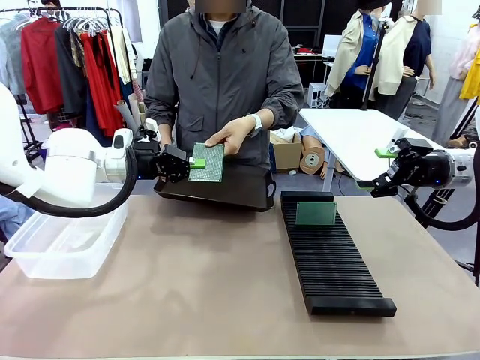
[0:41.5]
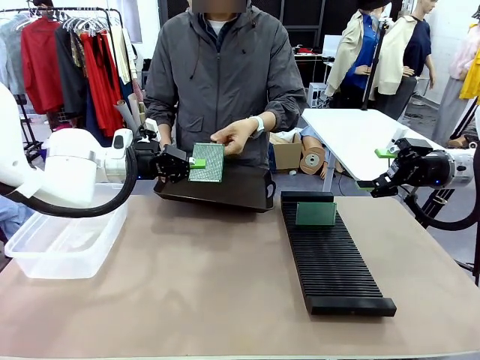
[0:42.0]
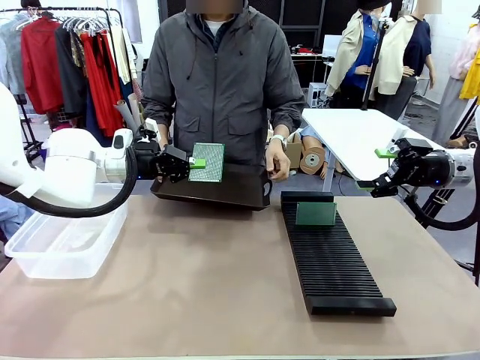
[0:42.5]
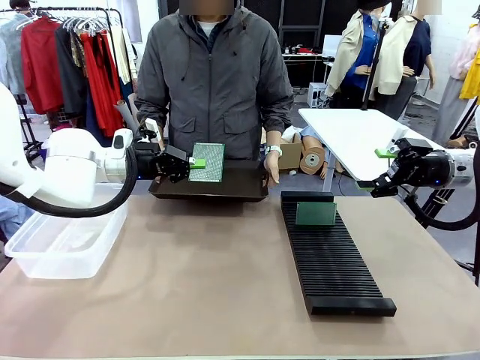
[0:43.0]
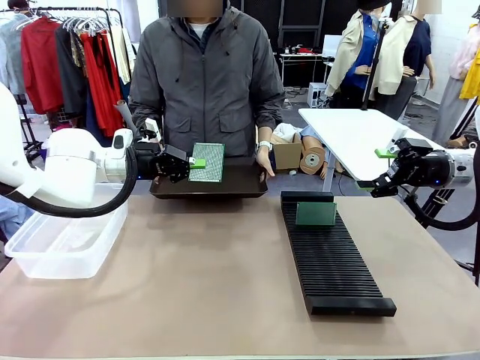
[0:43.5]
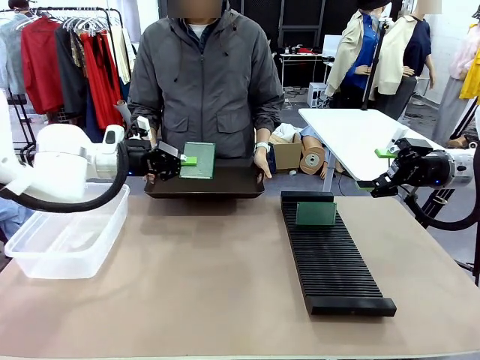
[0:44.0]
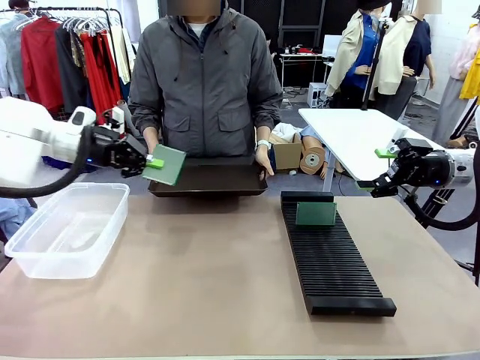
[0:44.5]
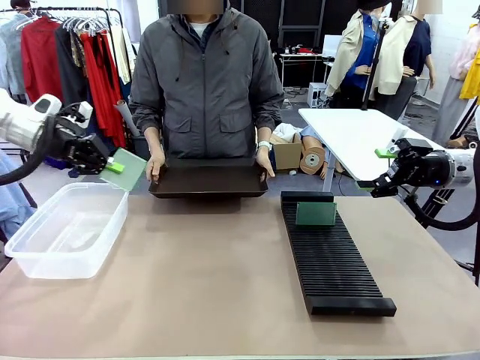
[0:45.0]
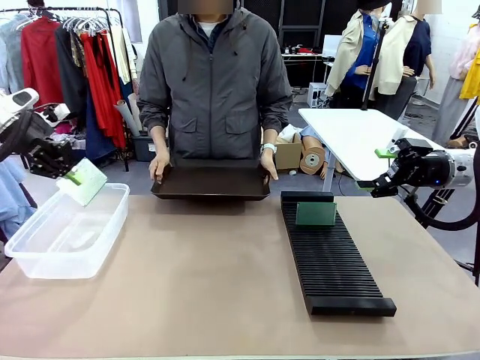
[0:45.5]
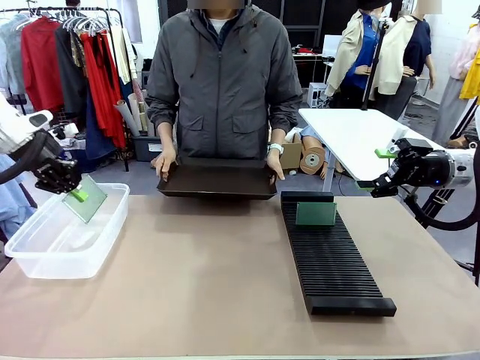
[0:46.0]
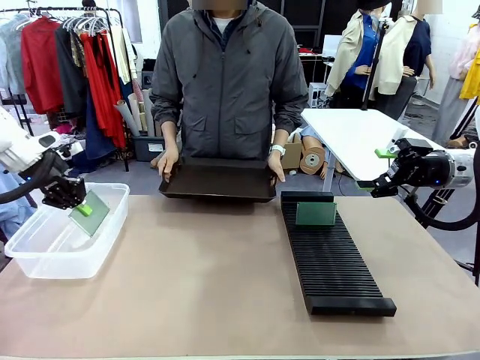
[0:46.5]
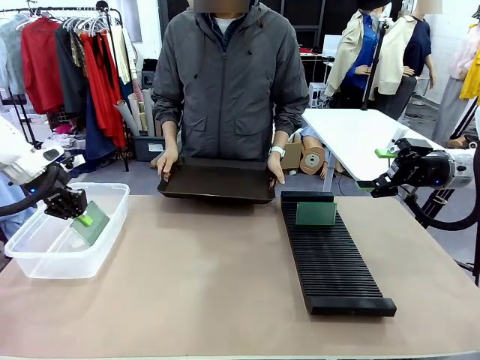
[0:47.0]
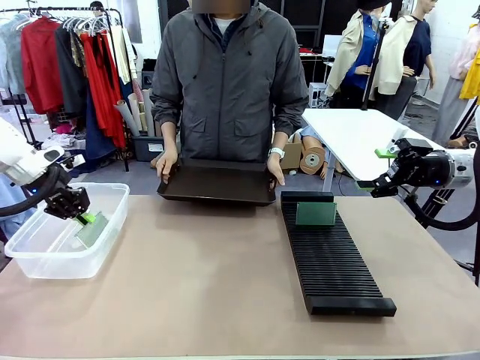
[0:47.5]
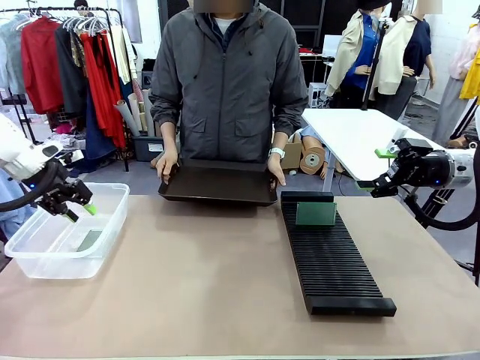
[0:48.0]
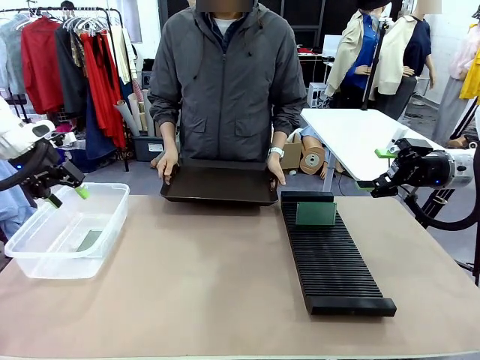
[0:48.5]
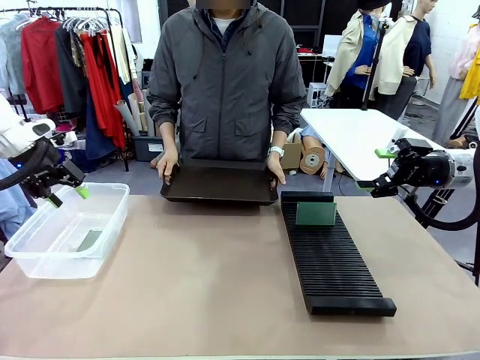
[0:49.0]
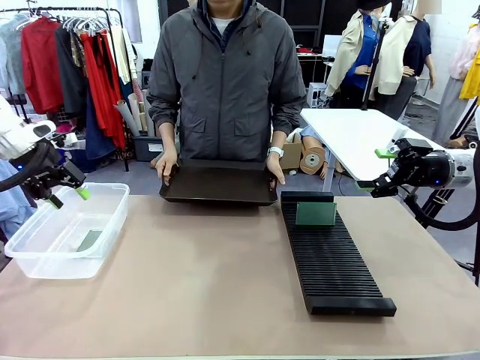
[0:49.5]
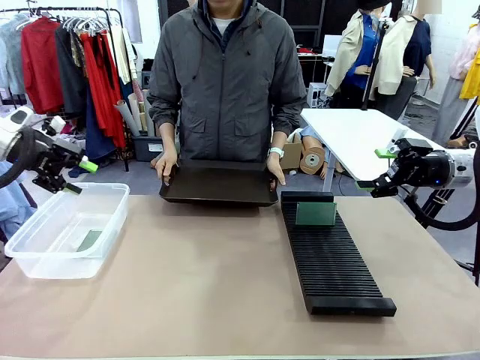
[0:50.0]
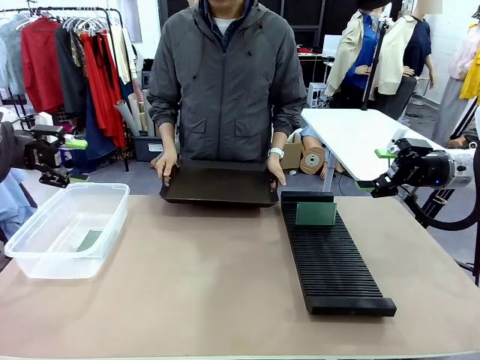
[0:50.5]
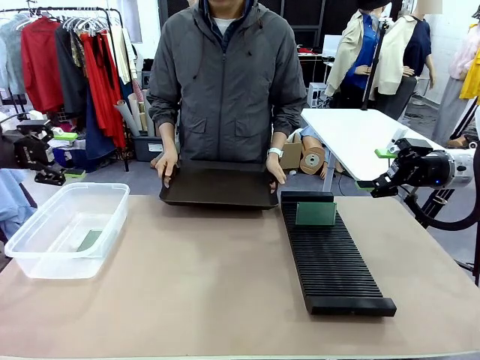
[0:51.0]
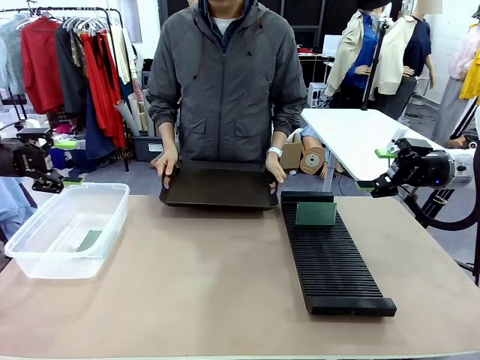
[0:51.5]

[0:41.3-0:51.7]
Task: Sort PCBs into racks and boxes based on the side picked up.
Robot: If the short side of the Blank PCB is picked up, insert it into the PCB Rack ; if the long side is picked up, place it in the Organizing box.
Person: Release the PCB being held.

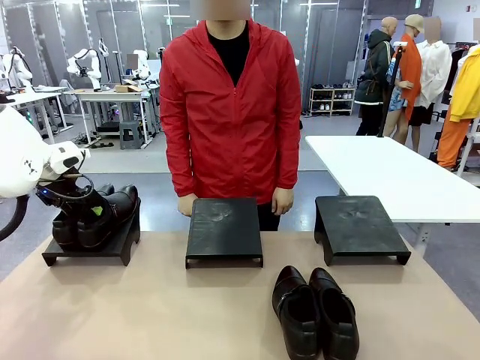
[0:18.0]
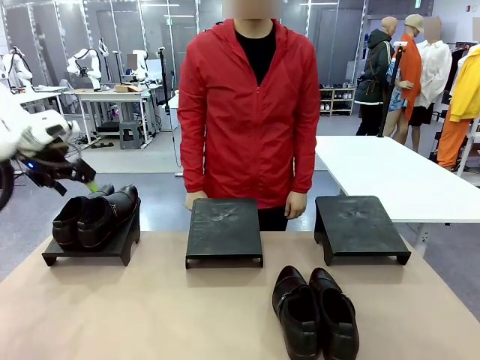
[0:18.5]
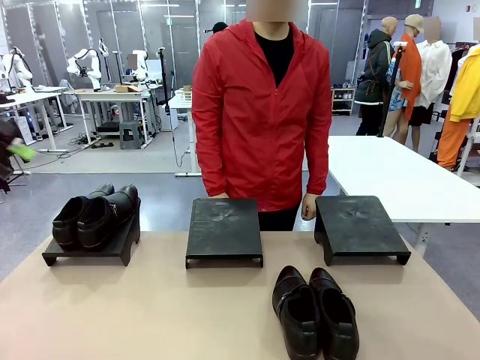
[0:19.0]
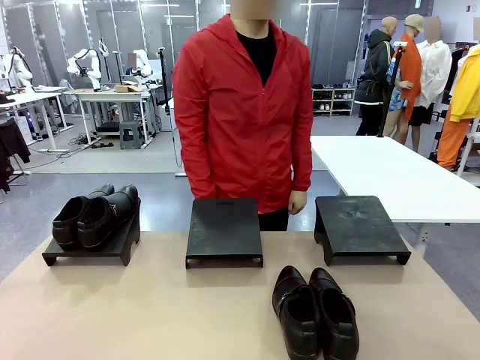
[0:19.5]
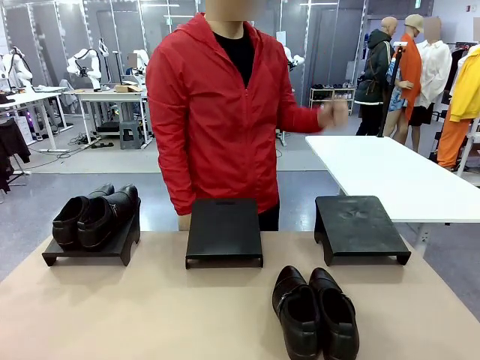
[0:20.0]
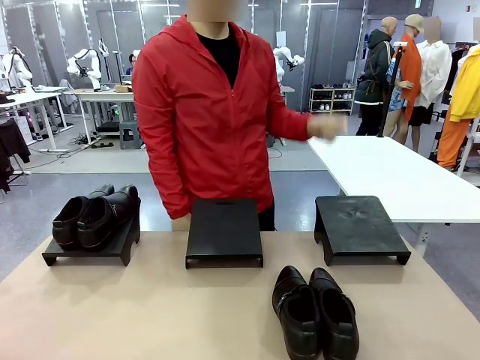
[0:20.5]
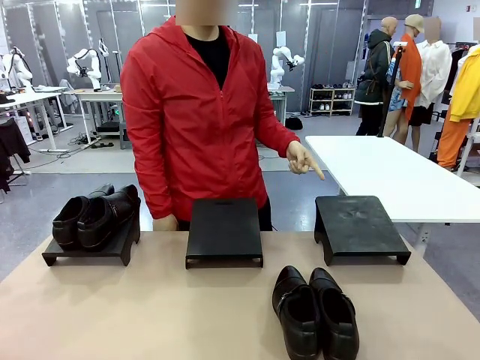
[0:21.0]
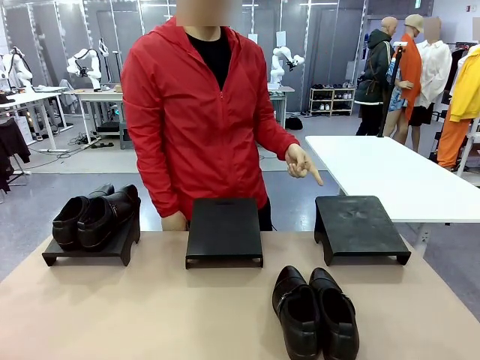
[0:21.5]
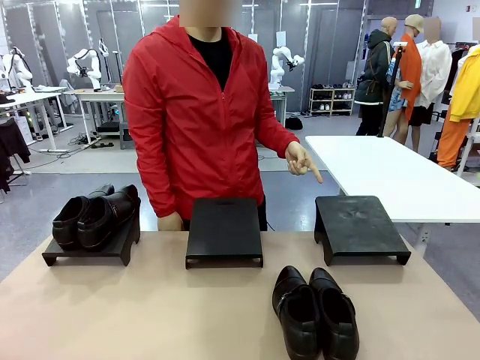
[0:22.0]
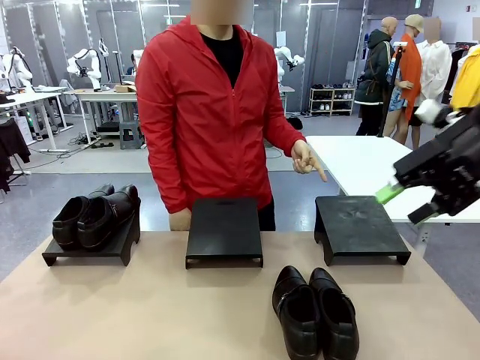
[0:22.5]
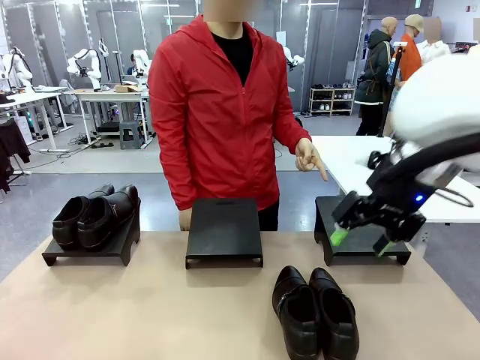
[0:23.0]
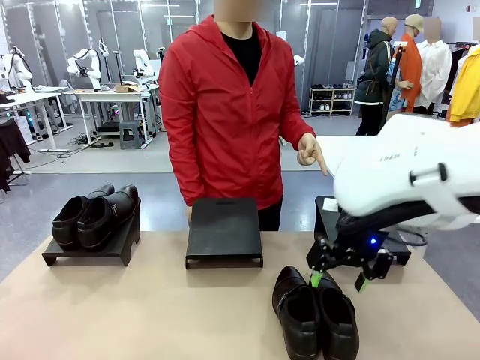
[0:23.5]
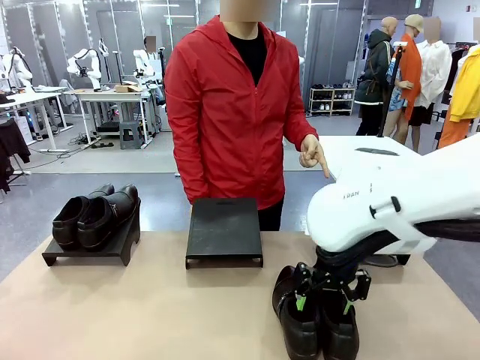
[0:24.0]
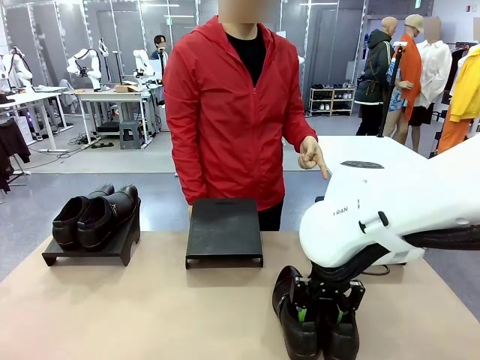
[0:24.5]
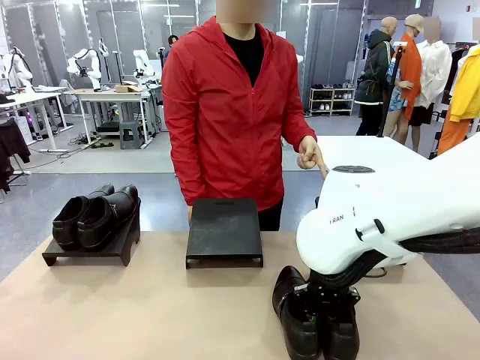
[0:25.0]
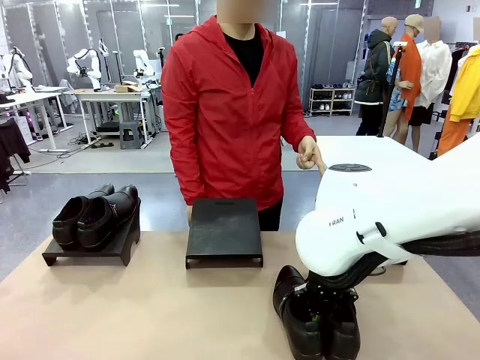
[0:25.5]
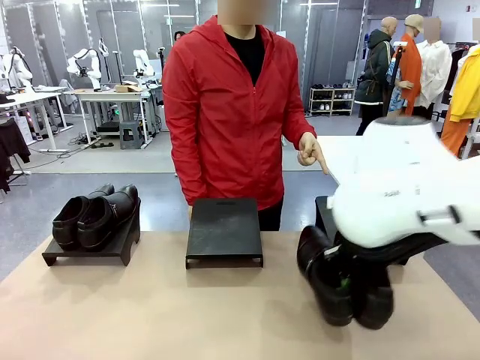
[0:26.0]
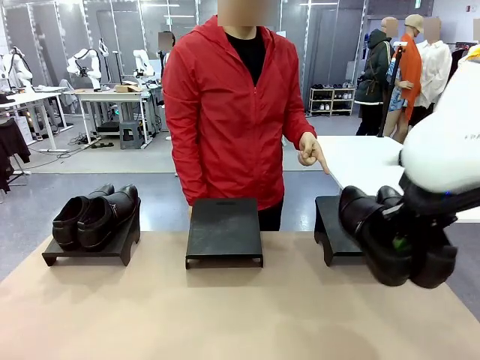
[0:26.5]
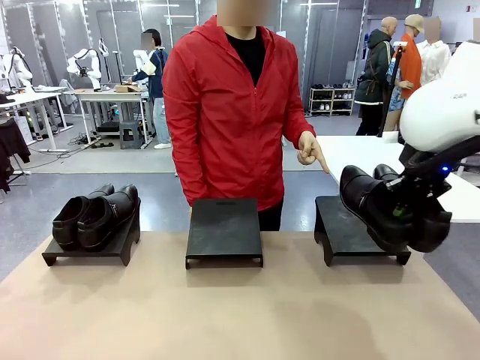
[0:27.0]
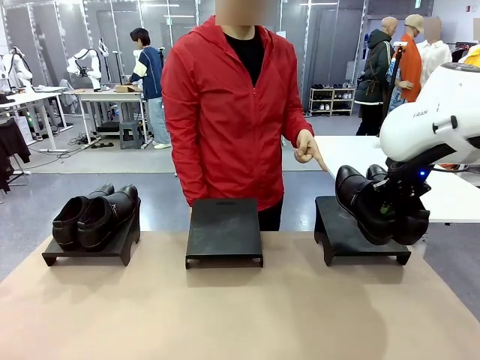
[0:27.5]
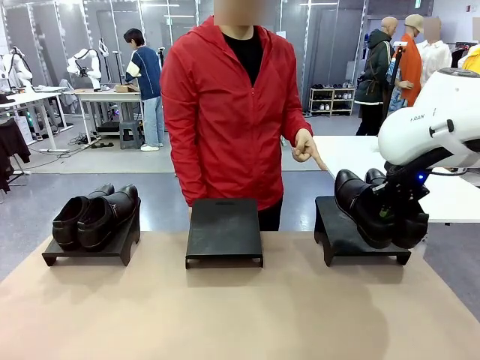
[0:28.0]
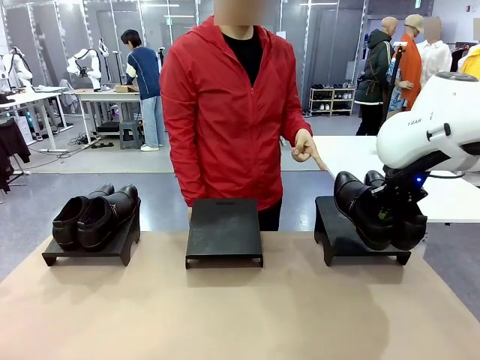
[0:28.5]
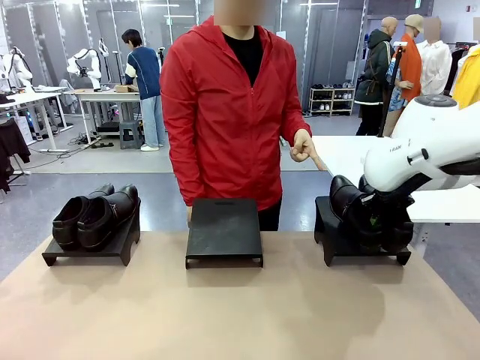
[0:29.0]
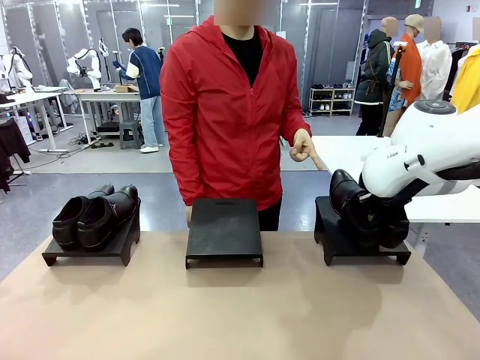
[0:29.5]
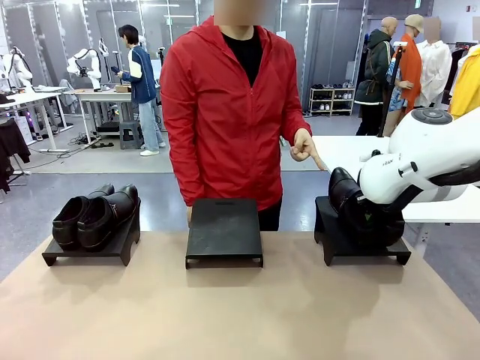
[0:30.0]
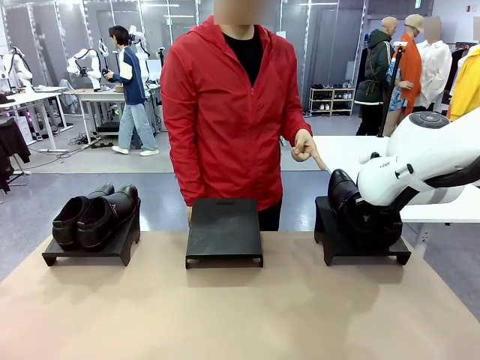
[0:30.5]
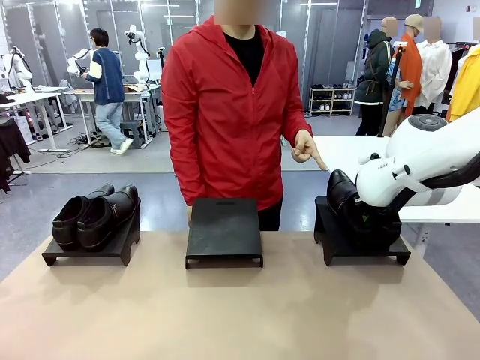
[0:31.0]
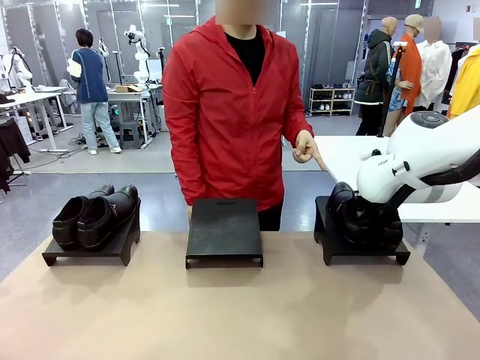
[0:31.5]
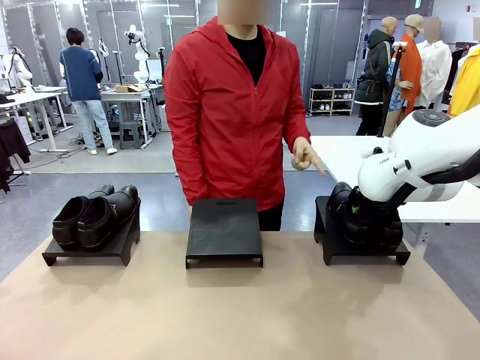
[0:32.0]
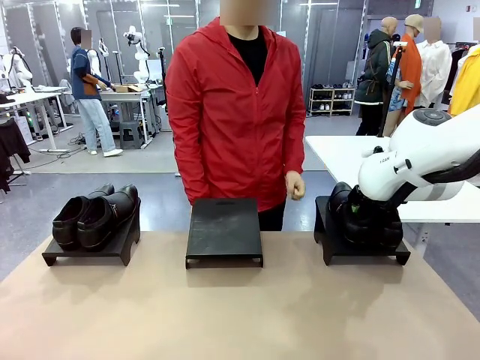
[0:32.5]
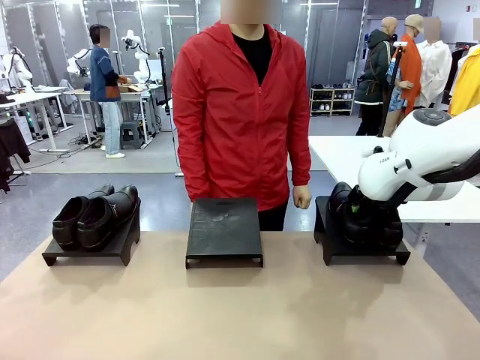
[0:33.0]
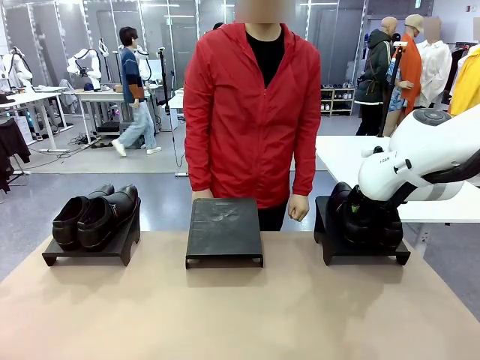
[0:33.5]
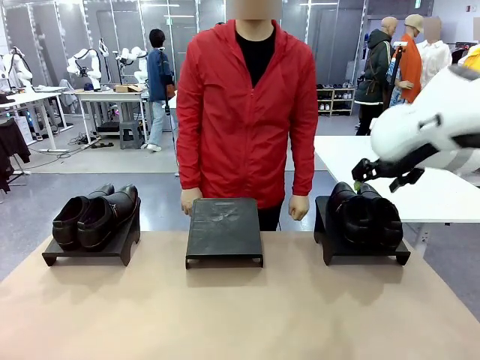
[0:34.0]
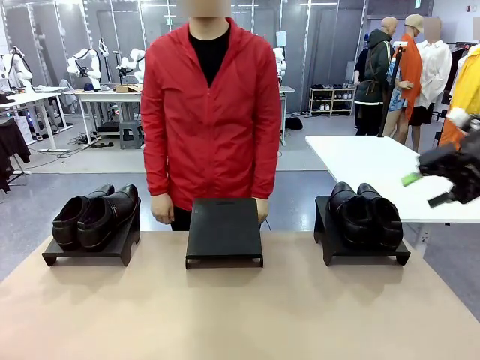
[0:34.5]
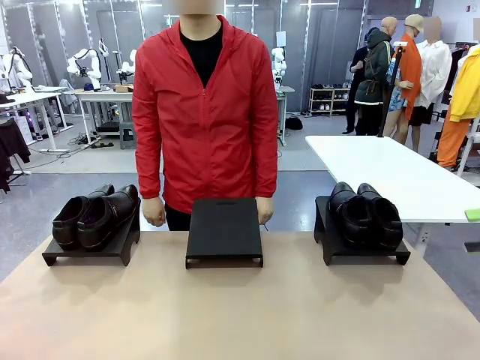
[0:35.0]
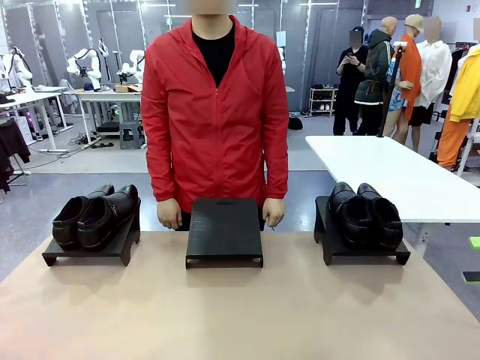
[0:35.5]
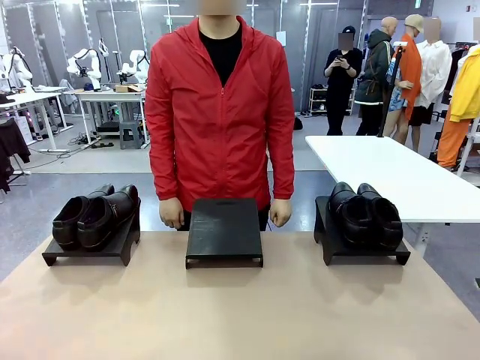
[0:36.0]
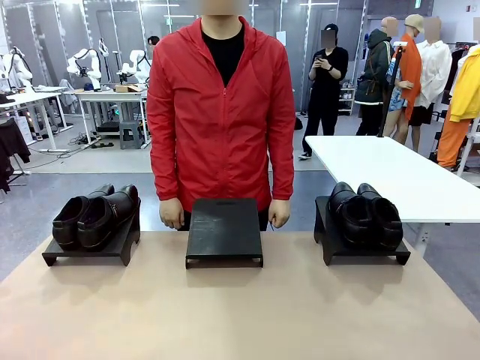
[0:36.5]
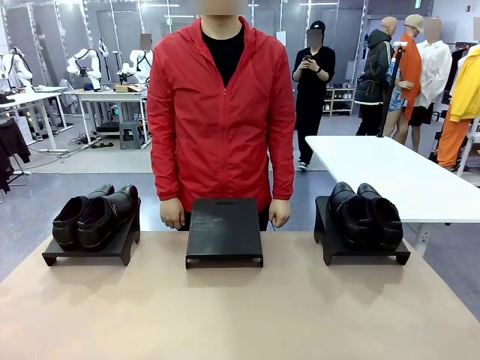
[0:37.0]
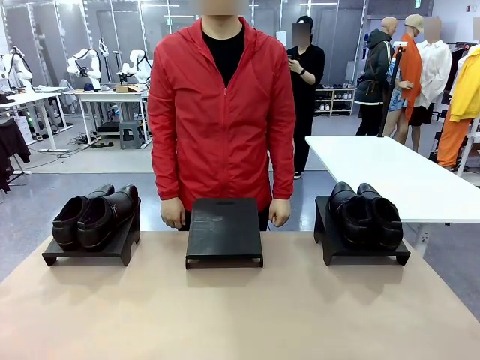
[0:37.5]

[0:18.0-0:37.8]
Task: Place the shoes on the stand as instructed by the person.
Robot: Pick up another pair of Shoes and place it on the Shoes Stand indicated by the person.
Person: Point to one Shoes Stand.
